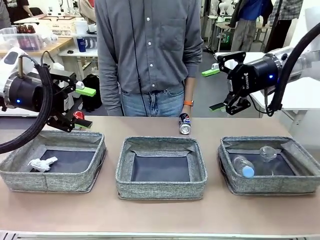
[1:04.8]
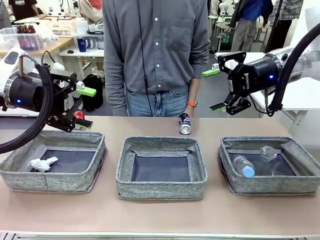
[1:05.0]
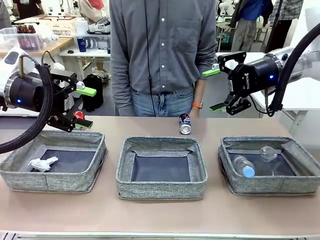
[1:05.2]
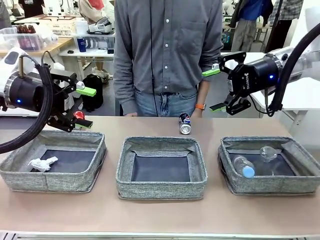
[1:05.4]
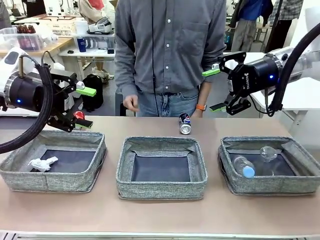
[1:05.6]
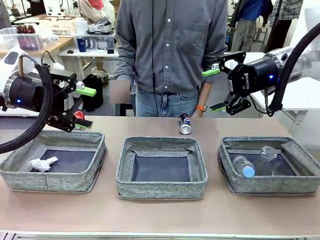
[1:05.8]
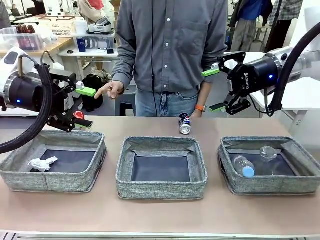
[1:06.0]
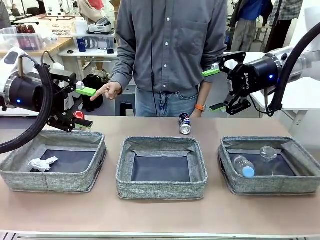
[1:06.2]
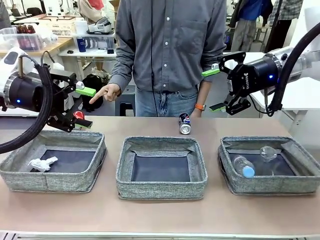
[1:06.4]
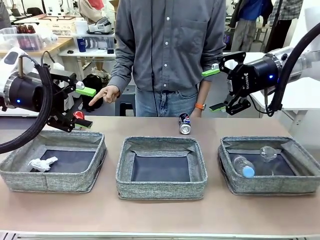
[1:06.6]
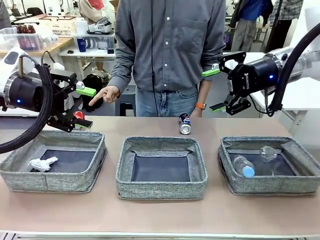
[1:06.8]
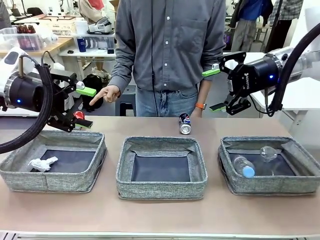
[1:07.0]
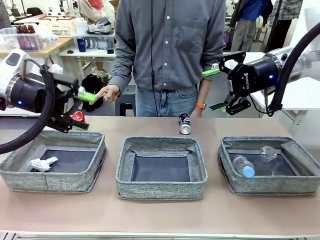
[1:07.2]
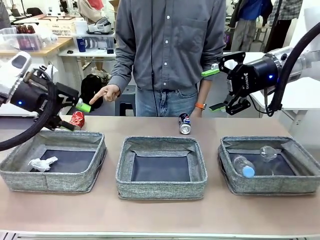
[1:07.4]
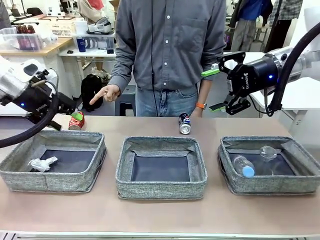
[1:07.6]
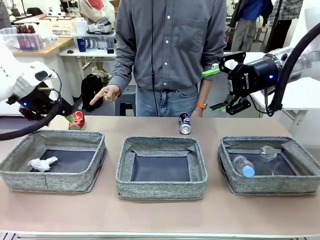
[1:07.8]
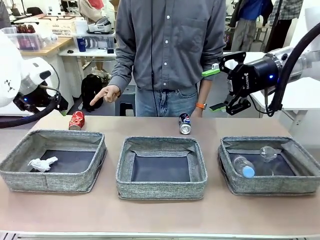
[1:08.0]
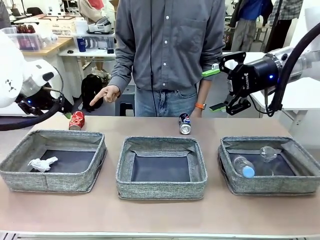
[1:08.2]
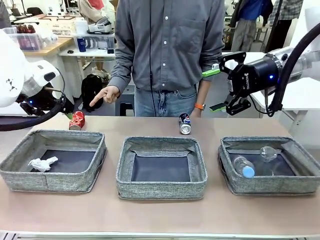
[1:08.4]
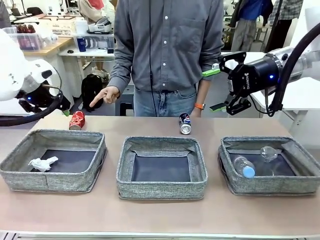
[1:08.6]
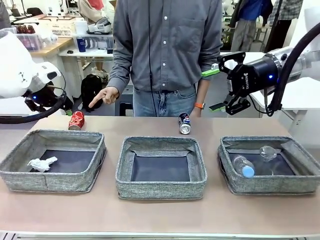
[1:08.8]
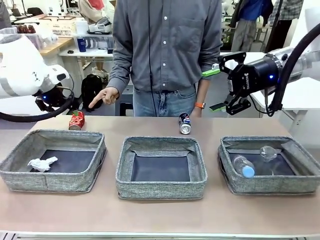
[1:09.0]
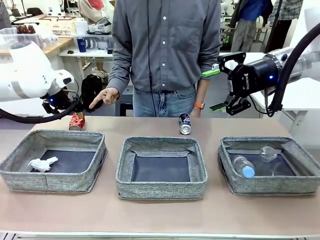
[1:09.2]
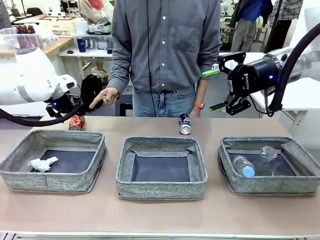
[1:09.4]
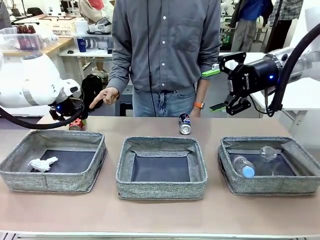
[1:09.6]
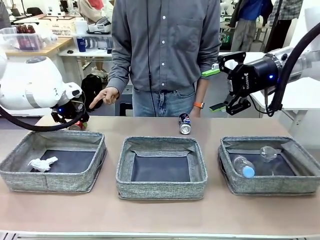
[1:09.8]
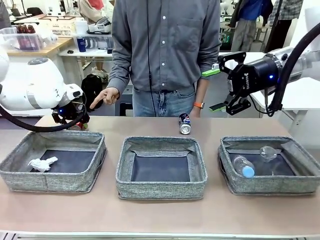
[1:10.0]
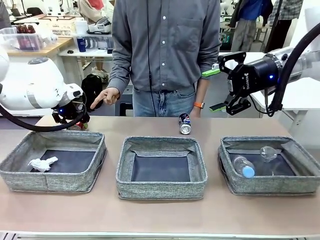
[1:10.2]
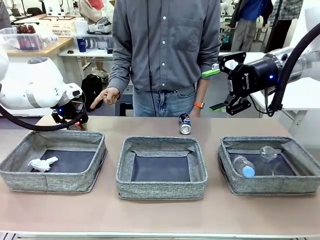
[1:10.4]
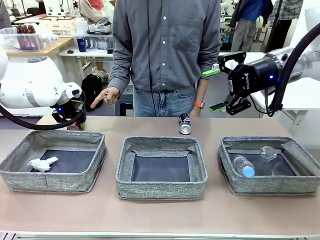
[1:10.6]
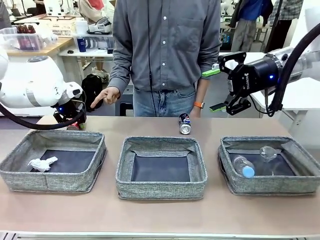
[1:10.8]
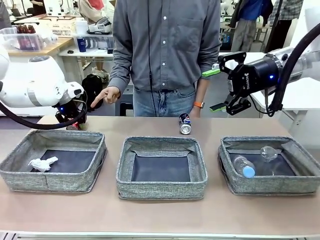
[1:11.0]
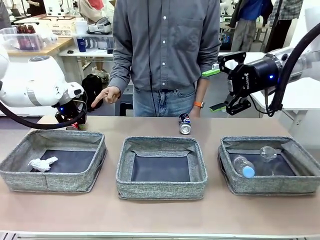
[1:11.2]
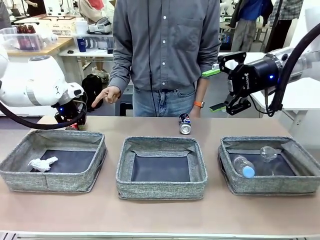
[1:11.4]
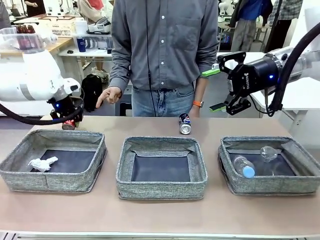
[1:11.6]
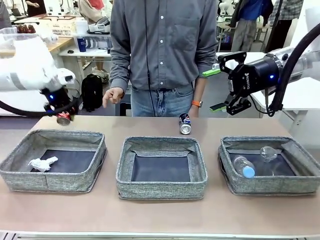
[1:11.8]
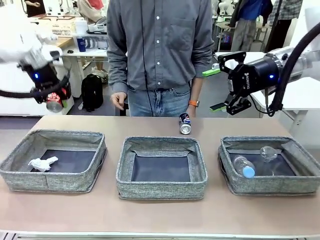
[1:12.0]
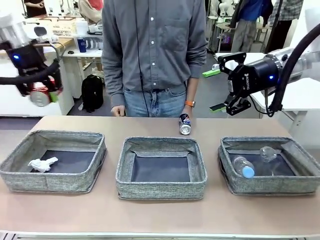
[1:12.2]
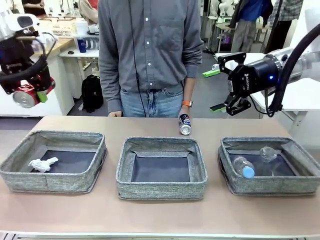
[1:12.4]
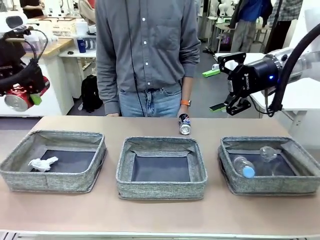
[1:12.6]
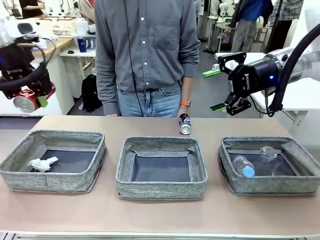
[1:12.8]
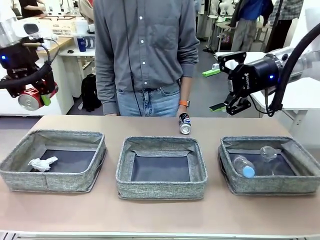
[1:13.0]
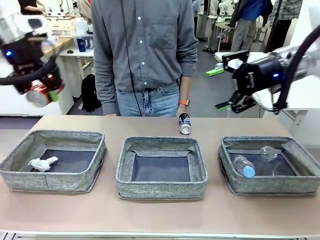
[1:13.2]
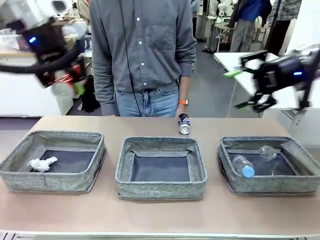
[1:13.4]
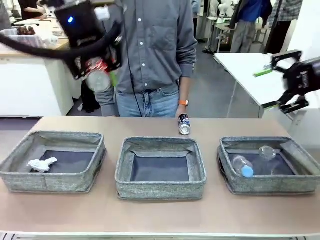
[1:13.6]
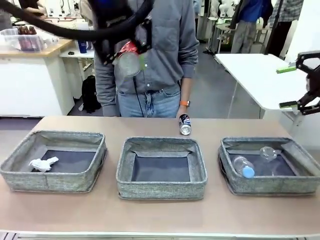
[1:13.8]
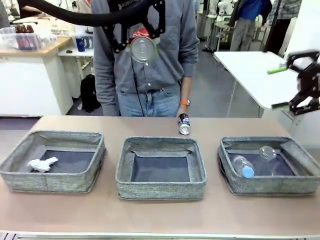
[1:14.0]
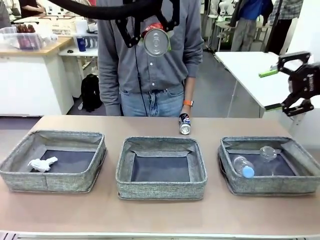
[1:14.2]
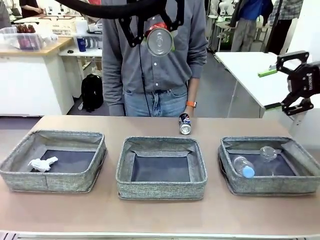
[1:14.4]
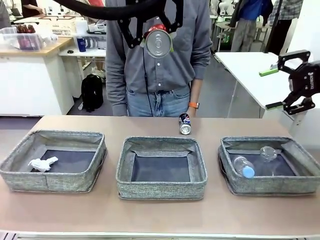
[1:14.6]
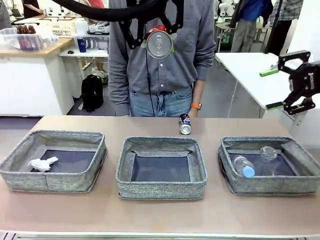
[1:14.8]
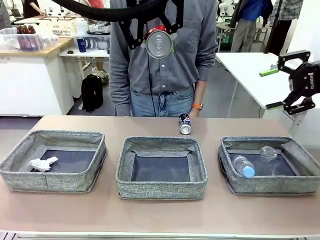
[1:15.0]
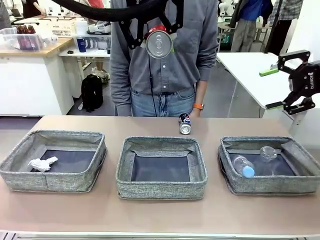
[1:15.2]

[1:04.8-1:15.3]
Task: Sort the waste into the appropriate baskets.
Robot: Pick up the waste item pointed out by the person.
Person: Points to one piece of trash on the table.

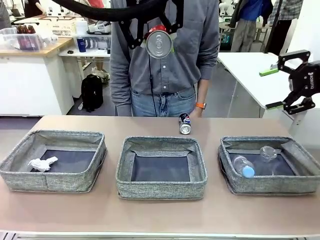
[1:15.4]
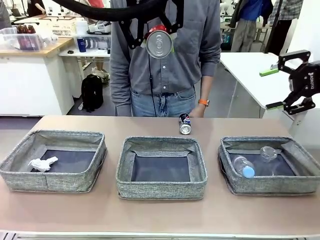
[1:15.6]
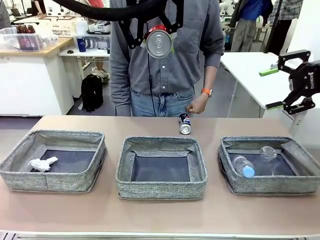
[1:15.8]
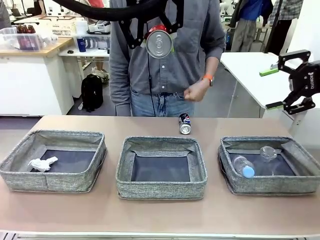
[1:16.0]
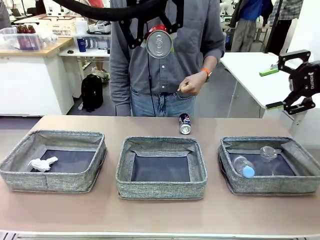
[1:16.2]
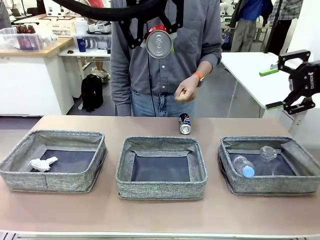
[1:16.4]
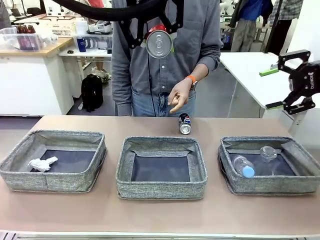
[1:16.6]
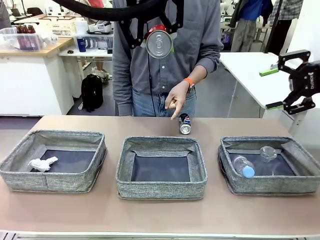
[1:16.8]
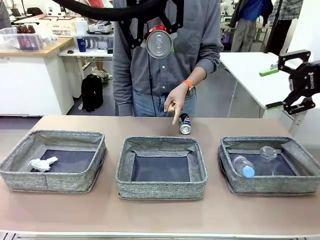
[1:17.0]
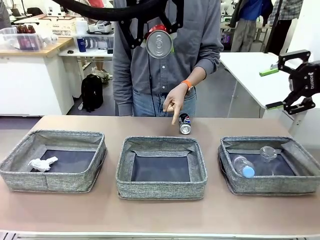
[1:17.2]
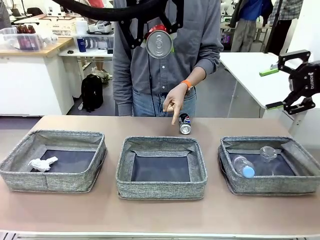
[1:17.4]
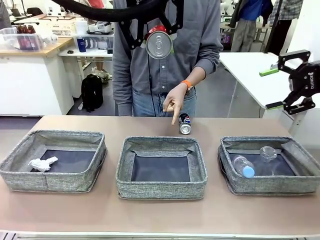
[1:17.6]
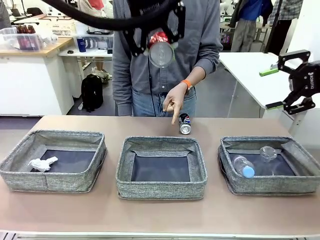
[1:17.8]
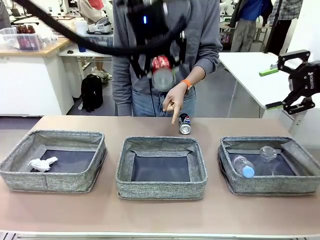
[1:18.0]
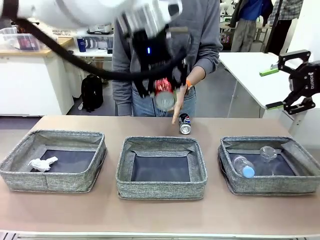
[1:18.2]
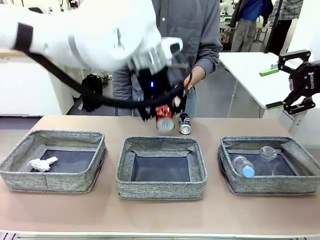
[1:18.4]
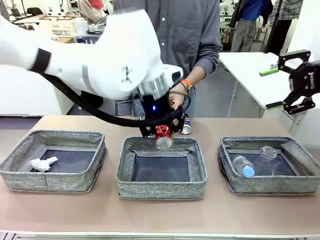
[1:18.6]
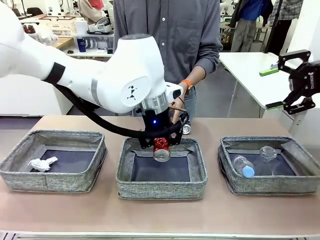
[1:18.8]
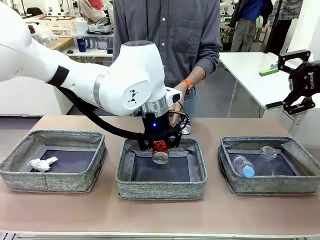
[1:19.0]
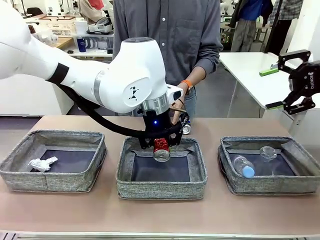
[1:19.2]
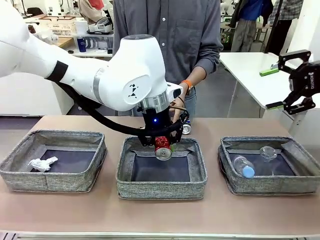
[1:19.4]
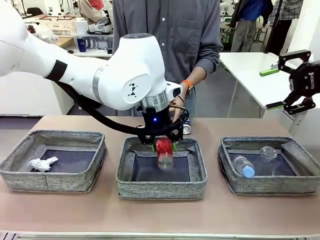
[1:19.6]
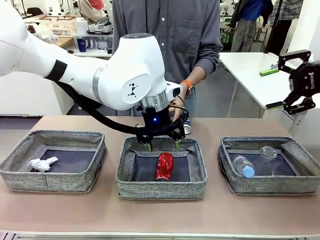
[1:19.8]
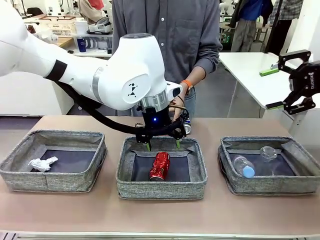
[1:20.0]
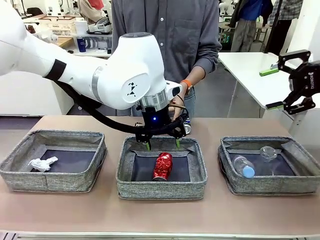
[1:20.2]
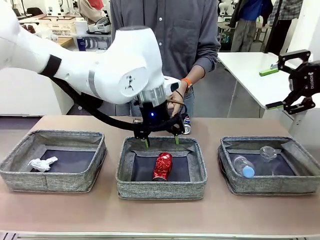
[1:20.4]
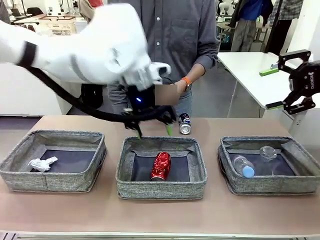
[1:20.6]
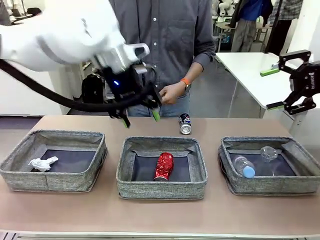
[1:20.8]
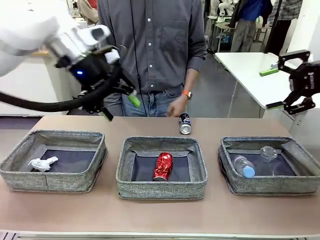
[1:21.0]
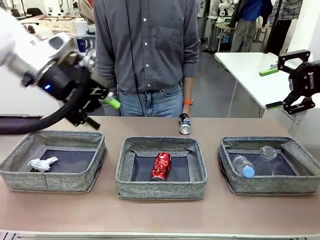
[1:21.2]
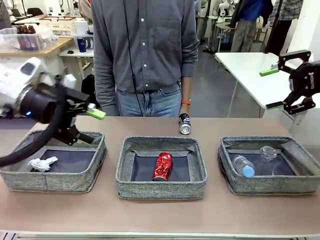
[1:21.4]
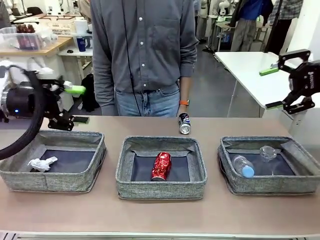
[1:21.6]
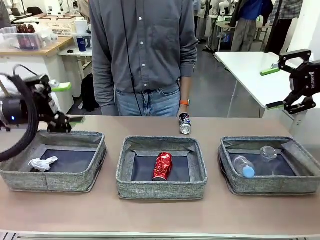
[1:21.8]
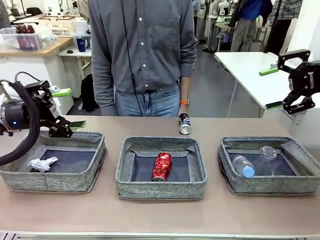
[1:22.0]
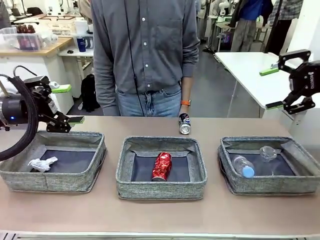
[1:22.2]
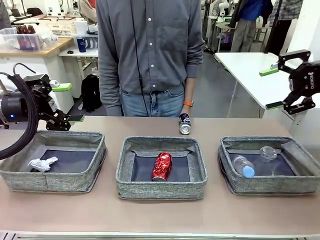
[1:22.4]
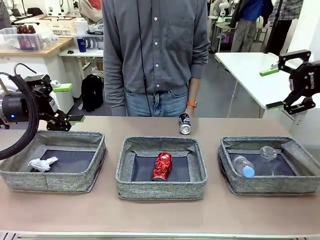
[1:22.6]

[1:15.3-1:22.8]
Robot: Place the picked waste into the Fabric basket indicated by the person.
Person: Instructs the robot to place the picked-up trash into the appropriate organizing basket.
